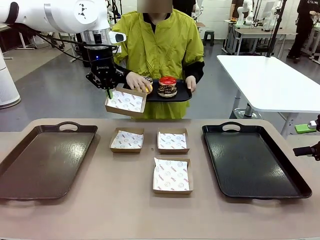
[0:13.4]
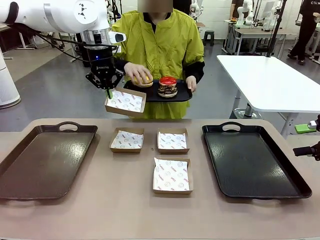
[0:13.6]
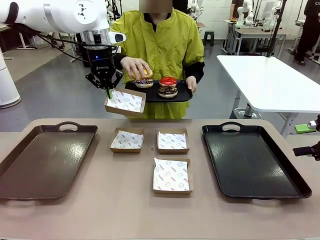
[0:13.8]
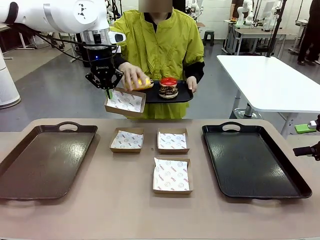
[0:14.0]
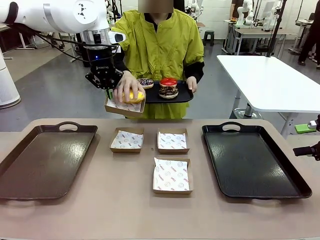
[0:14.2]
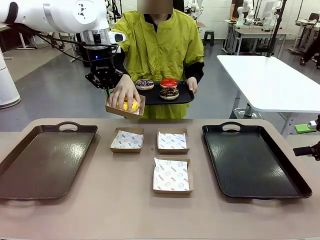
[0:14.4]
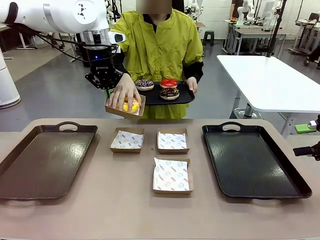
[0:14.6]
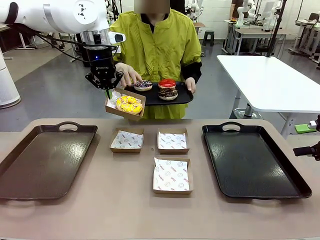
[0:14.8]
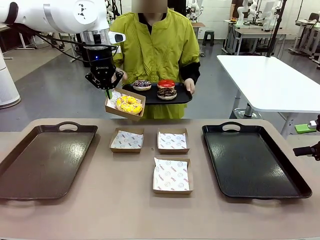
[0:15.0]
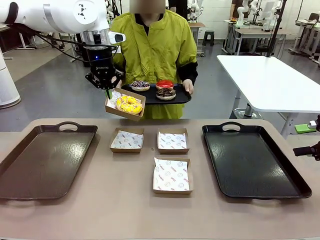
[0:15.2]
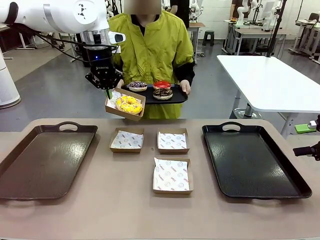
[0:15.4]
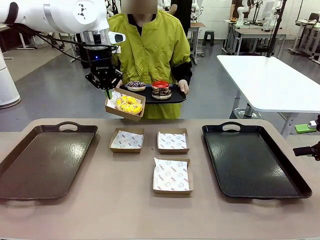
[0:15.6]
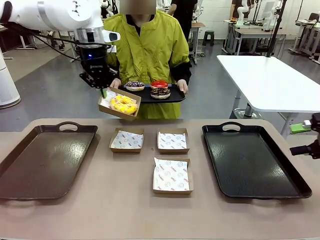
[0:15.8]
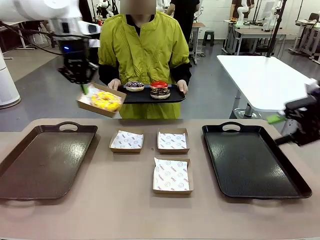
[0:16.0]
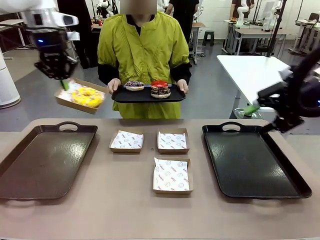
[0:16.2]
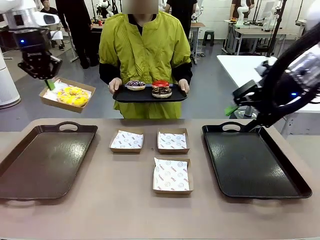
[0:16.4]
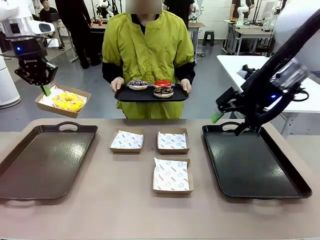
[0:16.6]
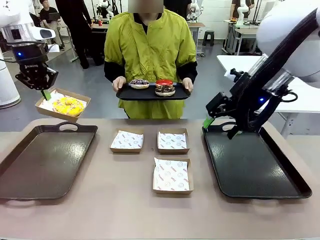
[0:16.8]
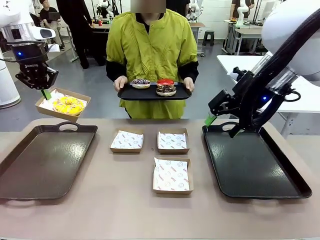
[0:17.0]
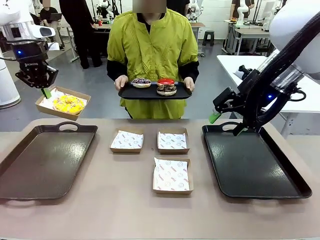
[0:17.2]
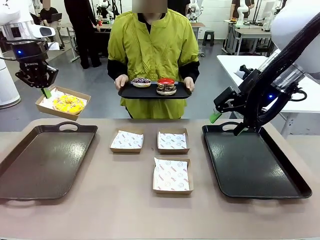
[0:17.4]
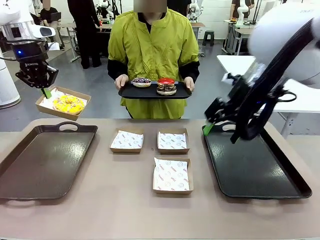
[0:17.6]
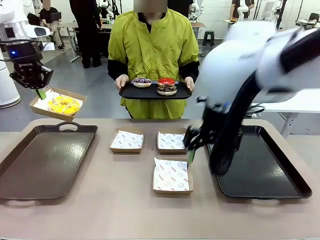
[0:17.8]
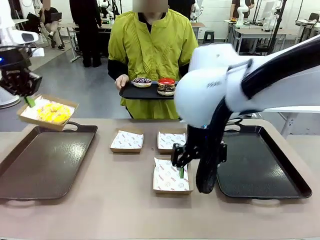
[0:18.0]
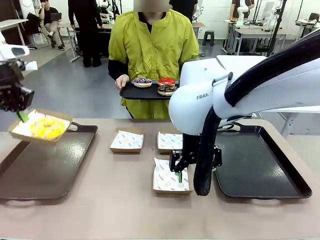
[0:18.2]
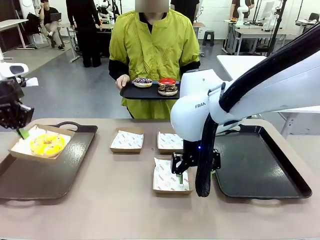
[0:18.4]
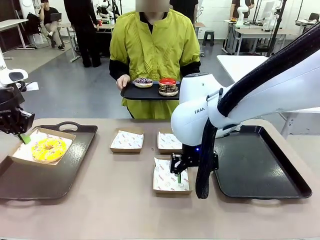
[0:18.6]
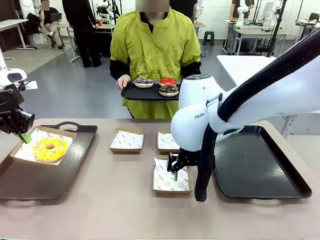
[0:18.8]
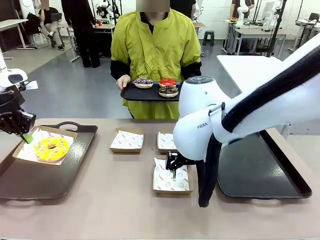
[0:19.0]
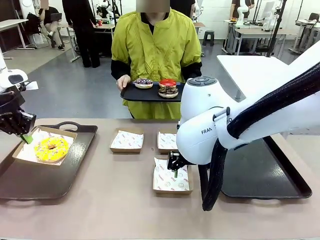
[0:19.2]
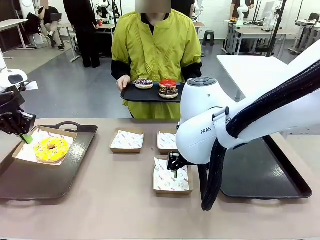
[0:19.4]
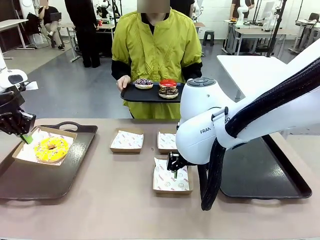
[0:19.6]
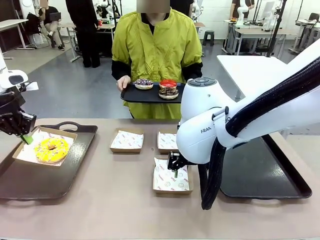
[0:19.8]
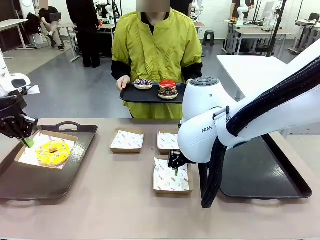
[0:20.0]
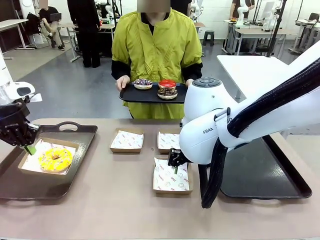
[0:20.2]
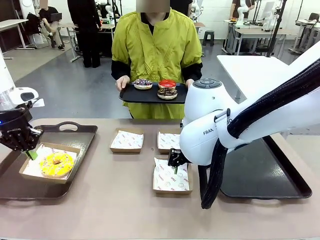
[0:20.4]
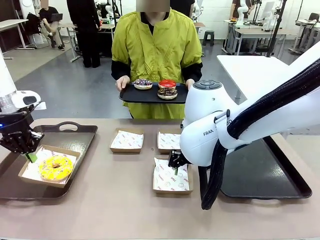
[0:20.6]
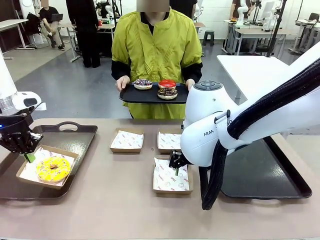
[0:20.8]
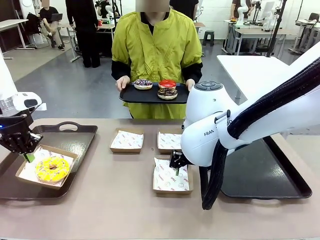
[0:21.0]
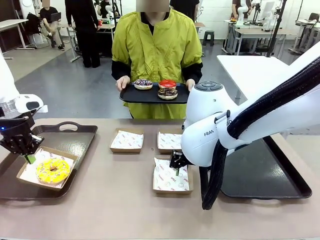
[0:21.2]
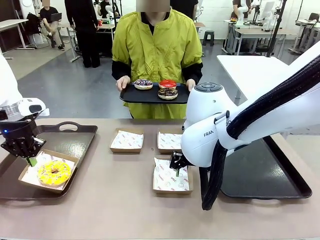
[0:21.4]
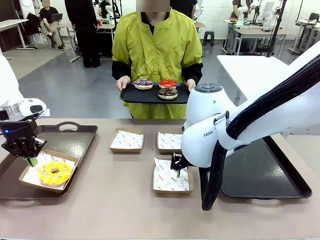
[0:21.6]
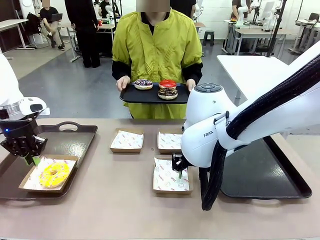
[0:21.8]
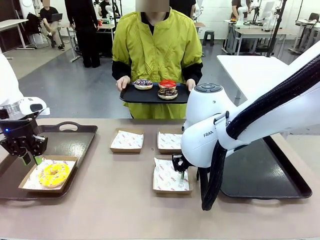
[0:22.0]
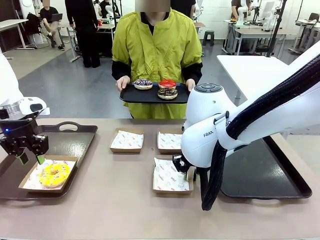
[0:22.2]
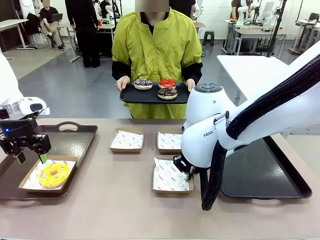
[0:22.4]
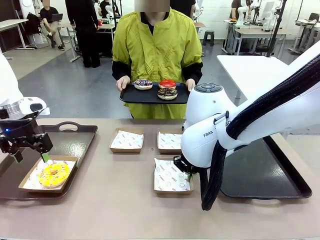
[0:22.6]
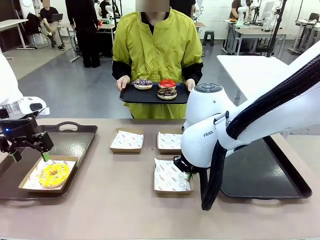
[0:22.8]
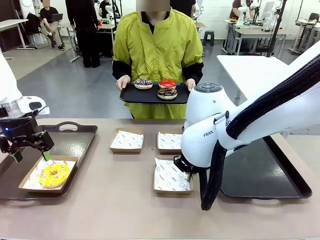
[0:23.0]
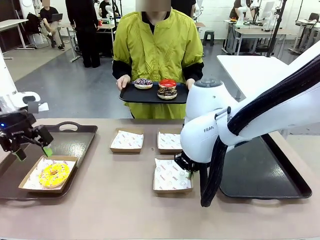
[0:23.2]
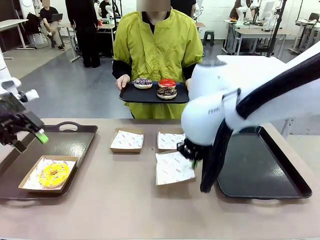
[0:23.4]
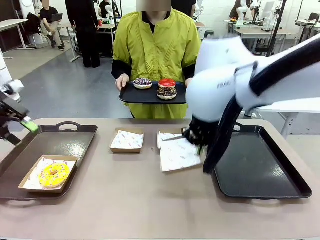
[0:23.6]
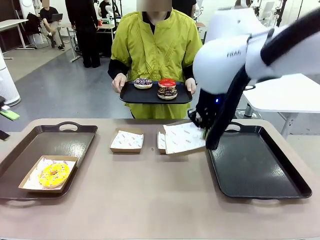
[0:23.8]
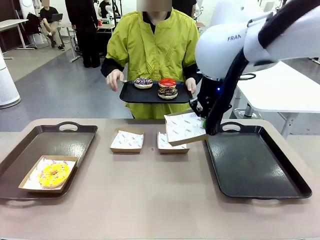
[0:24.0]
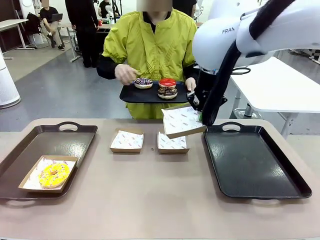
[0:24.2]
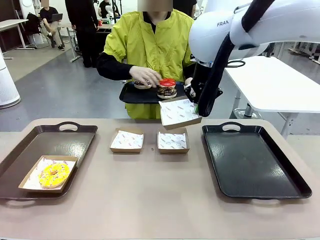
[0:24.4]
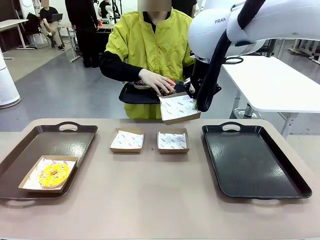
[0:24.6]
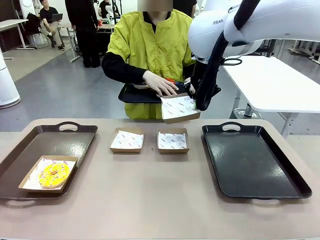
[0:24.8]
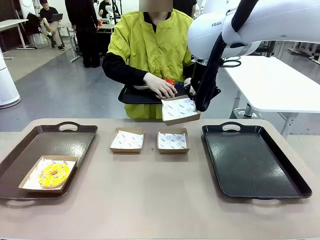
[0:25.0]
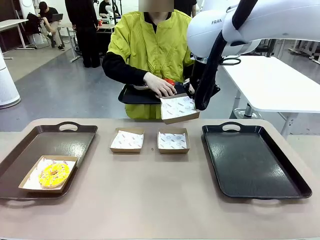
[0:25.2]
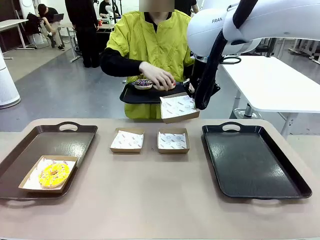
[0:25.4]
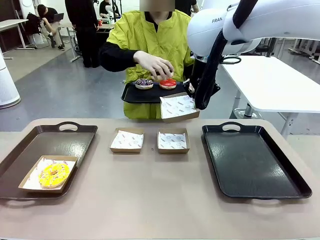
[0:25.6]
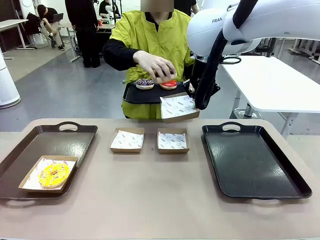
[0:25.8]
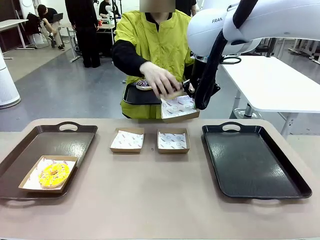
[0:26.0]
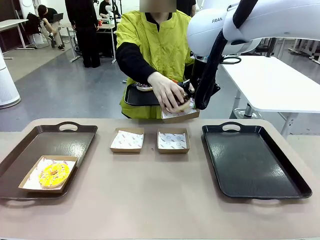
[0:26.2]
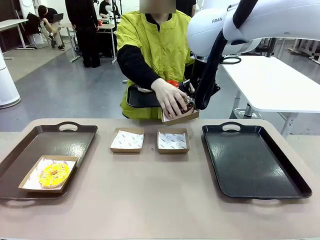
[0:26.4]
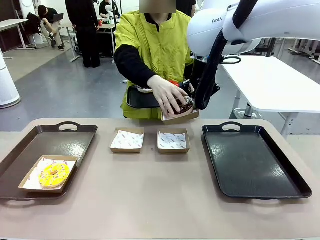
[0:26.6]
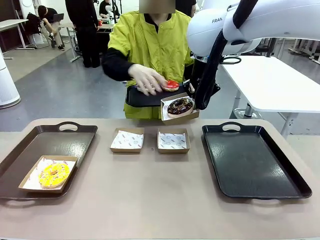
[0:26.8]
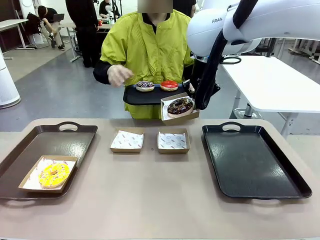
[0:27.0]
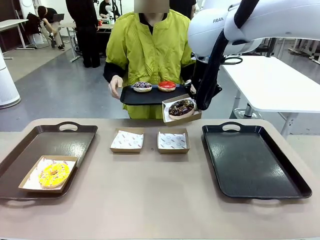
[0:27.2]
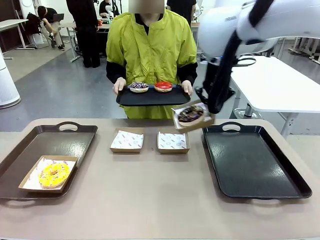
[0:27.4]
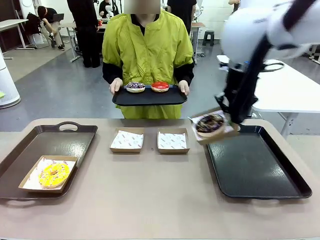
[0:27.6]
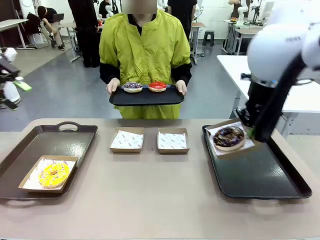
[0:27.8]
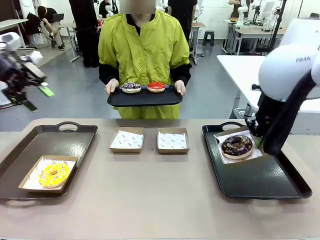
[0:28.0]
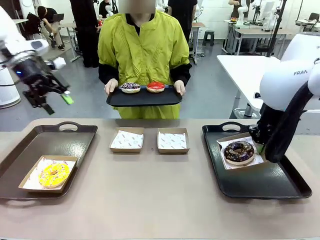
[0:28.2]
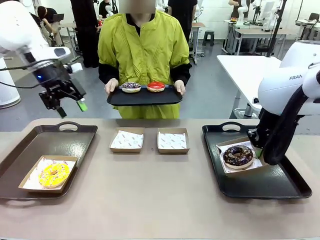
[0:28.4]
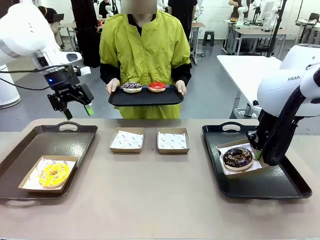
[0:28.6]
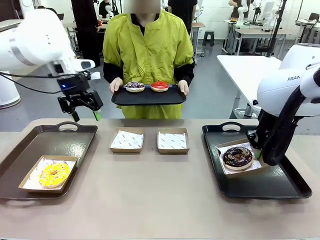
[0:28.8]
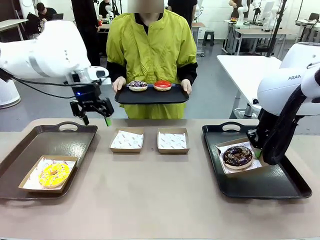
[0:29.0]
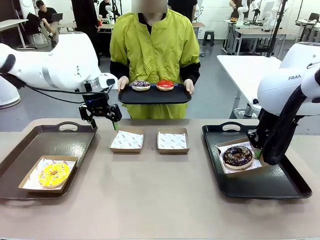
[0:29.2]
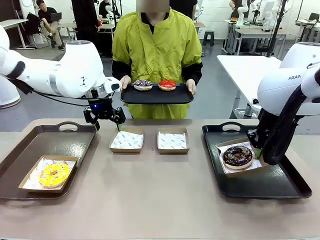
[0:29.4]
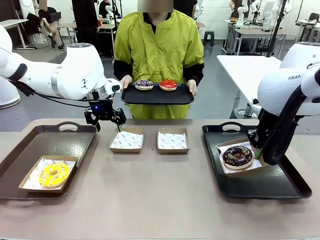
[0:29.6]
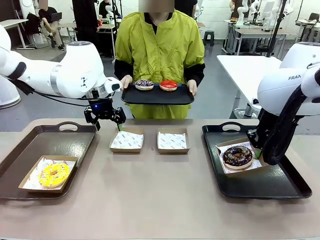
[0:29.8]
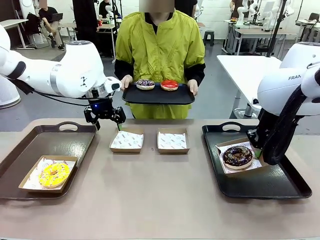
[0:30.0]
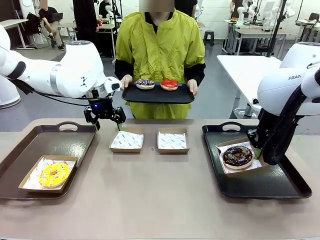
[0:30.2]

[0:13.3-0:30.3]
Task: Individually package the donuts and arrange them on the tray.
Robot: Place the picked Paper togo box on the Handle tray while simultaneously picking up another Paper togo box from the table with the other hand.

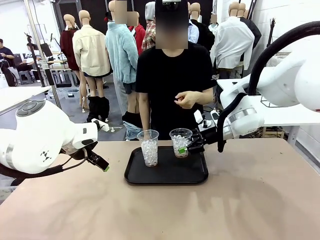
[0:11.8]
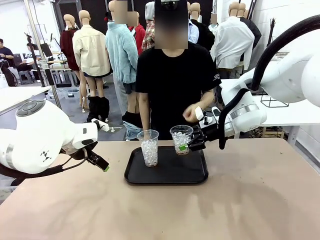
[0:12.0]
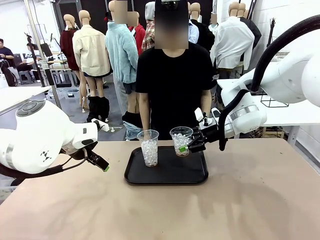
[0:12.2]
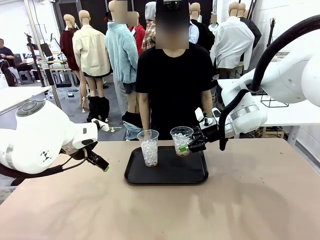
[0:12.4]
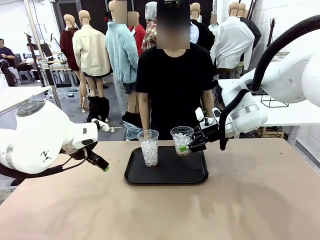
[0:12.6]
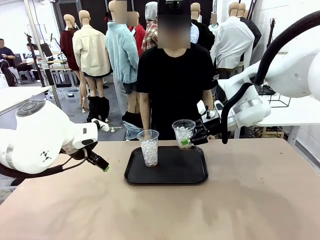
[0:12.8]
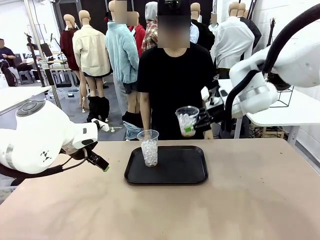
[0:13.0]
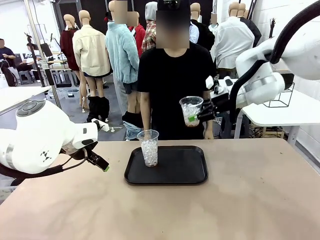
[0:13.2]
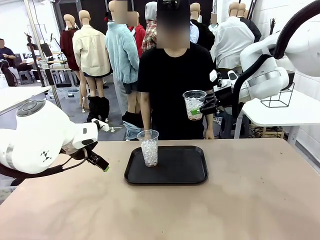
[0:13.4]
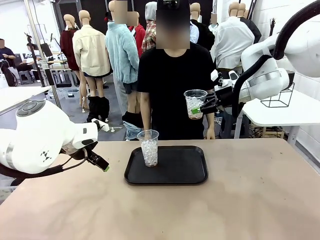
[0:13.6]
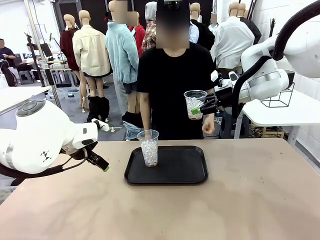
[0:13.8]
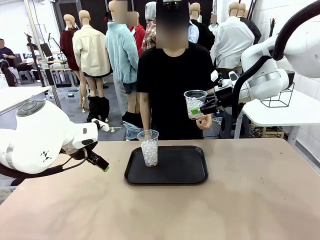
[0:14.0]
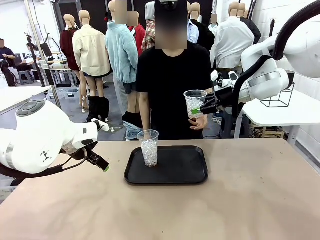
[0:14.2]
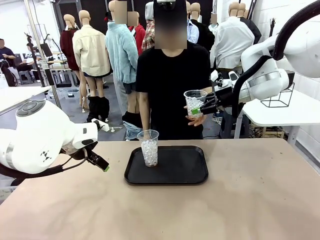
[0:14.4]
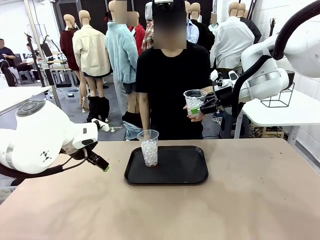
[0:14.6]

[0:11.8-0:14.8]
Task: Pour the drink into the iced cup.
Robot: Open the gripper to release the iced cup you were holding.
